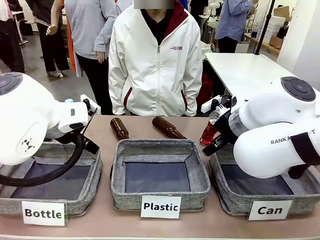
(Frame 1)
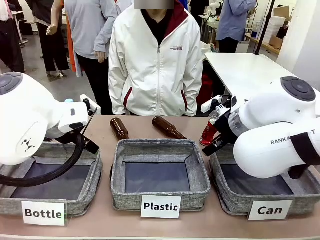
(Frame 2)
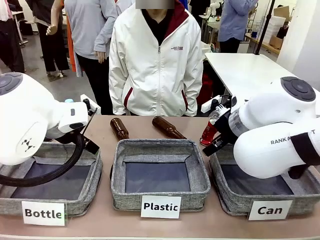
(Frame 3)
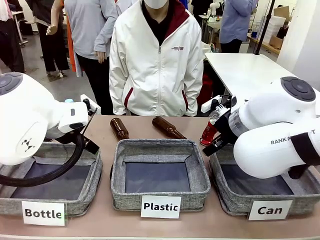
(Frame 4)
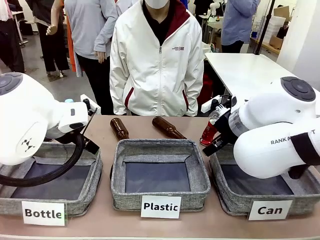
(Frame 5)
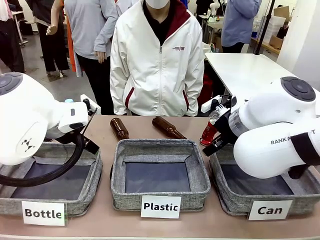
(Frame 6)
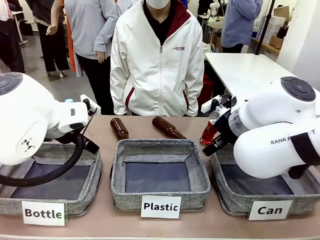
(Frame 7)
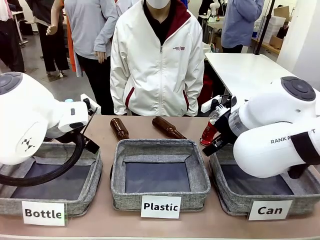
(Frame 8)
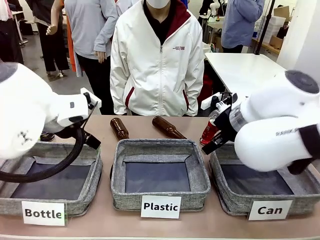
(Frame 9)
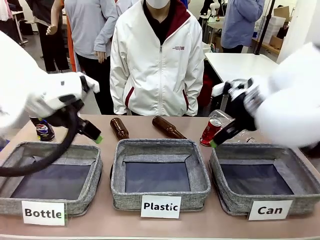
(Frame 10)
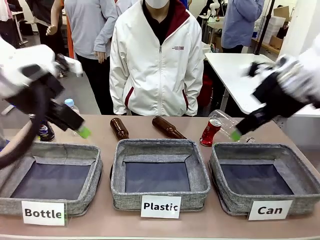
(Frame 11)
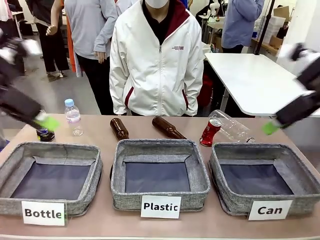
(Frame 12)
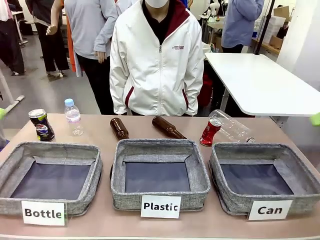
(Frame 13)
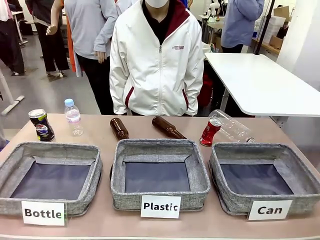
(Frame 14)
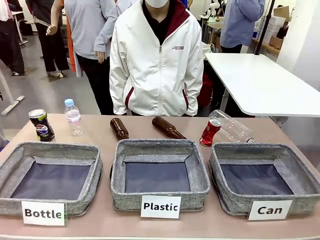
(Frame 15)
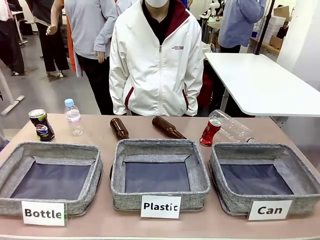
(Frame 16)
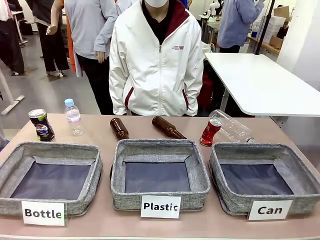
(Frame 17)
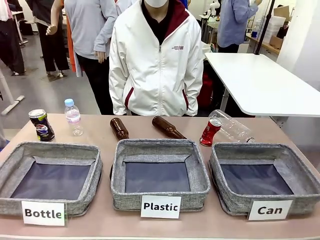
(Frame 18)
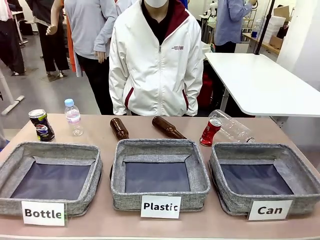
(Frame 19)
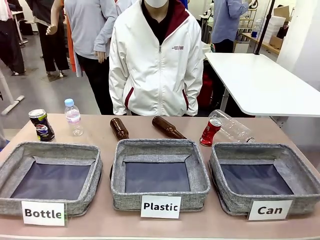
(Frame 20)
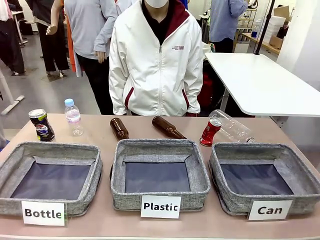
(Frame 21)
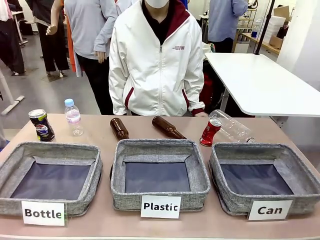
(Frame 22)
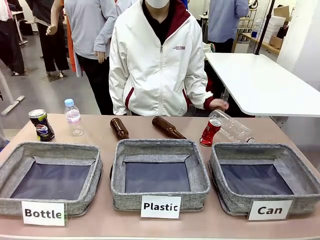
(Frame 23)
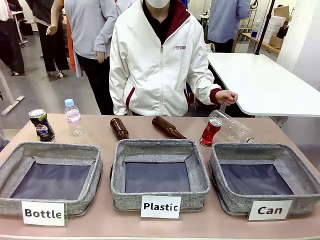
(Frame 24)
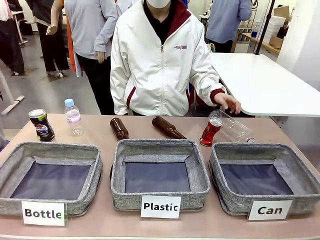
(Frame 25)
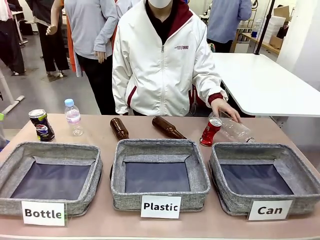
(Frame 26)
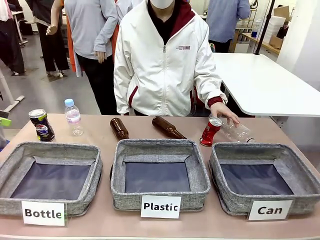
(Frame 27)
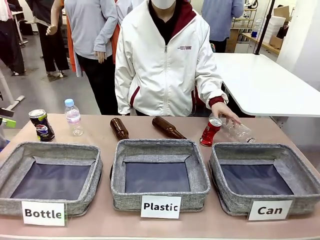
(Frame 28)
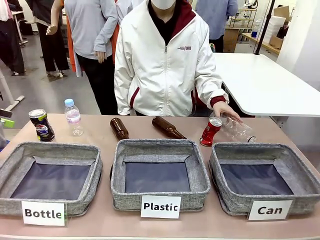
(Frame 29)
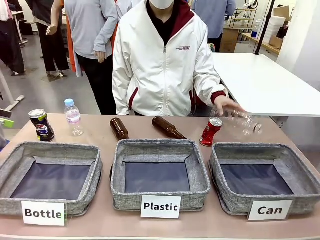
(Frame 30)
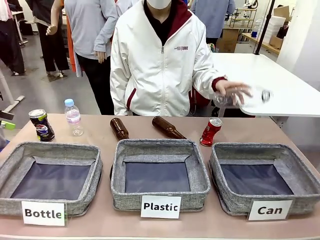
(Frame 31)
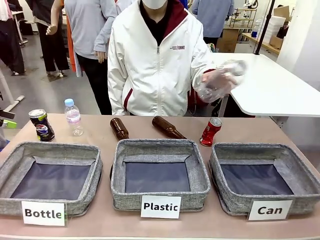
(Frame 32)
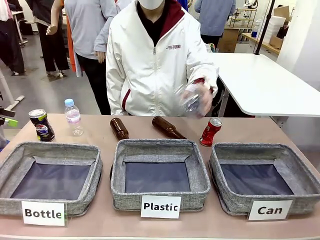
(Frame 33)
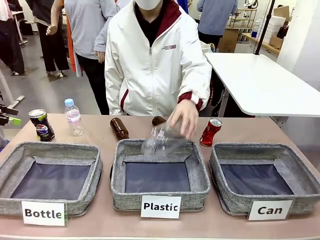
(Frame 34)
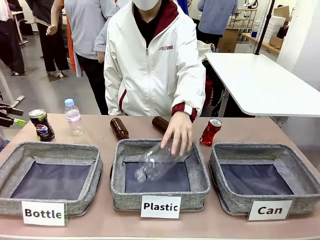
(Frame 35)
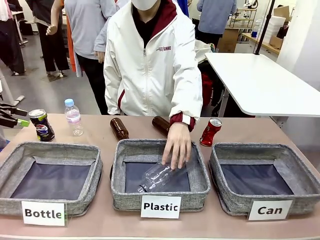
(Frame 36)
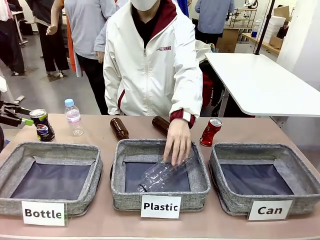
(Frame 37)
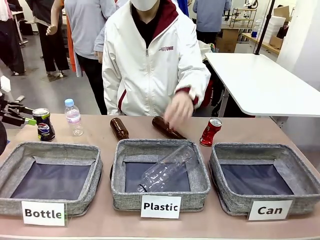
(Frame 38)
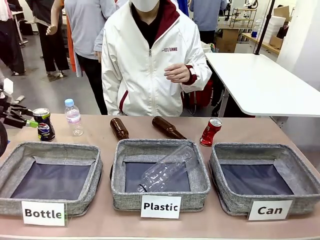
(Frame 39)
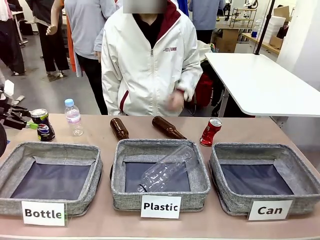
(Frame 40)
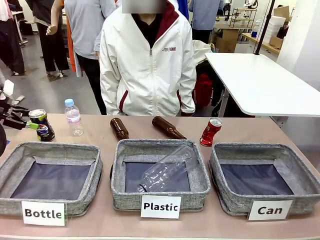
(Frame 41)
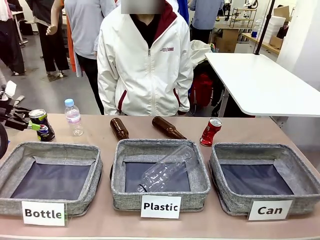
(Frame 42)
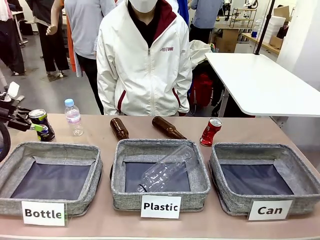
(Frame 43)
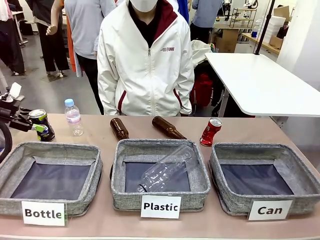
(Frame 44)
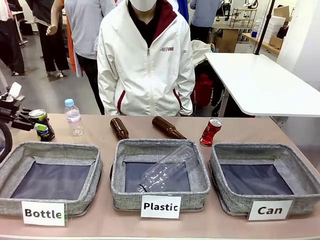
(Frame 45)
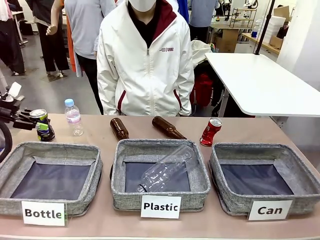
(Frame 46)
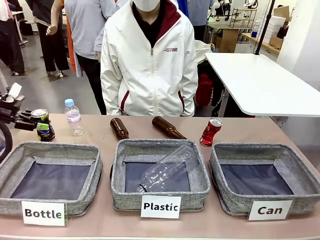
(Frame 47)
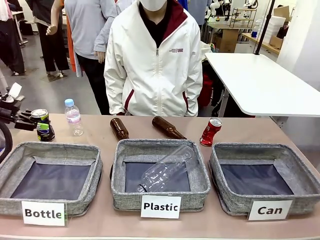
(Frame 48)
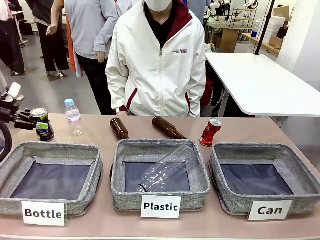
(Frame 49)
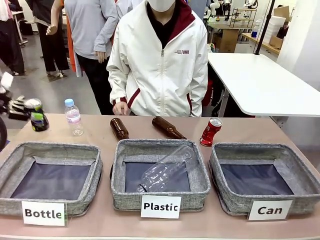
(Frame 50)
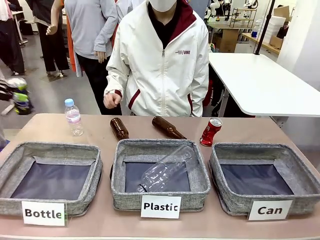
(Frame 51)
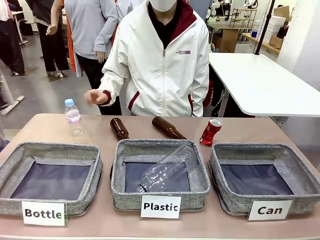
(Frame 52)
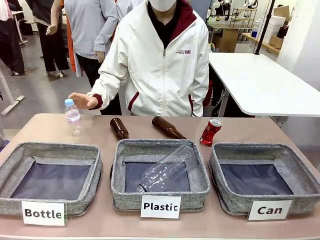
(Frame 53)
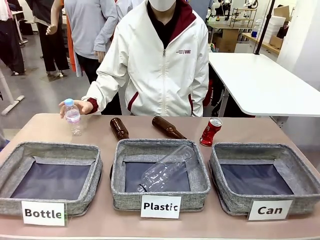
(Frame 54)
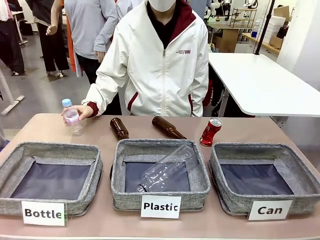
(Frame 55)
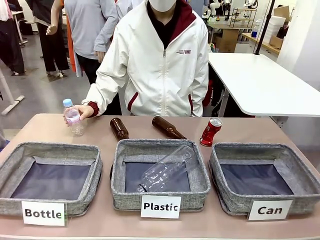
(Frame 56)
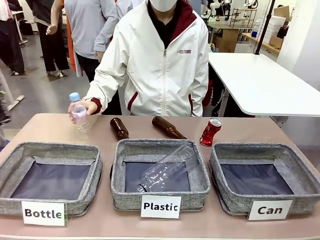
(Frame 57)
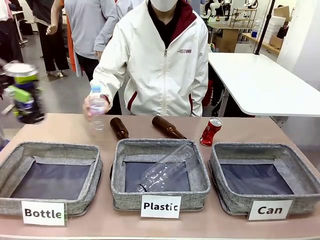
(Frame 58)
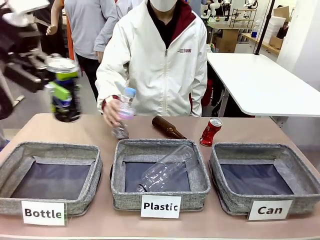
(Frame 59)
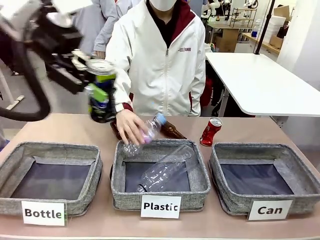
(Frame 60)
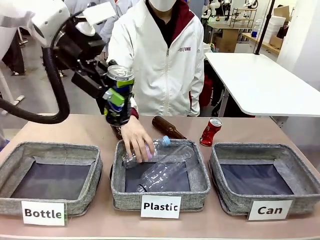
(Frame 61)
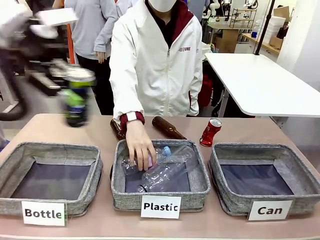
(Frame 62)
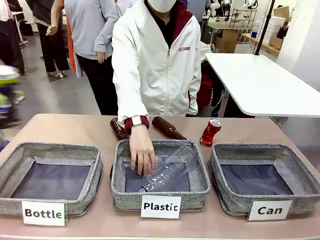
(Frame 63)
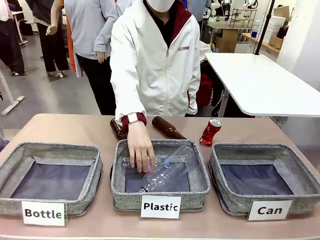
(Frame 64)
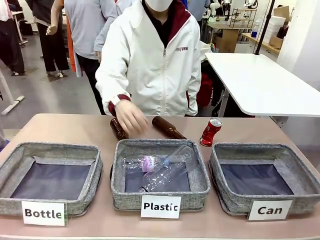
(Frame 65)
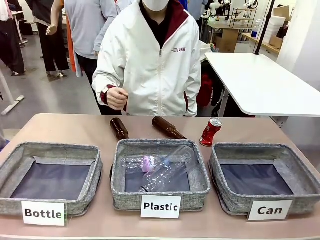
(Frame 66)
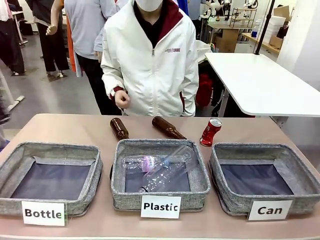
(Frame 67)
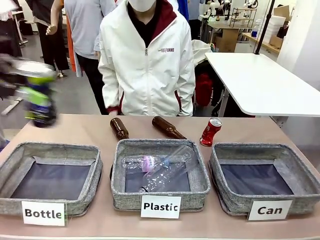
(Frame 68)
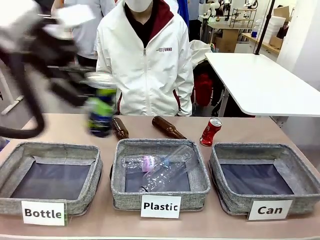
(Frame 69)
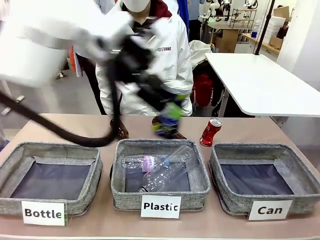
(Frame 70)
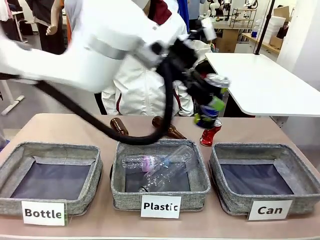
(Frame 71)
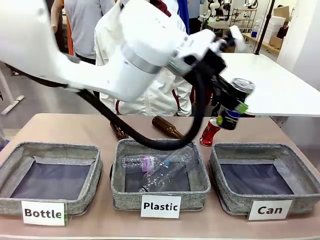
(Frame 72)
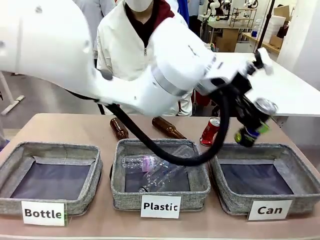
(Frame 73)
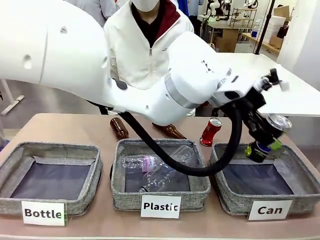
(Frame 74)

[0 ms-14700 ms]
Task: Sort the can waste into the basket.
Robot: Pick up the can waste from the table and place it in the right Fabric basket.
